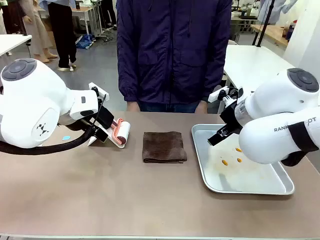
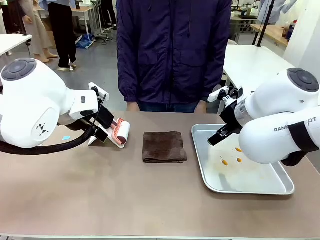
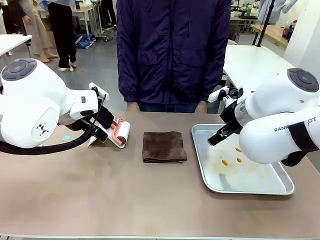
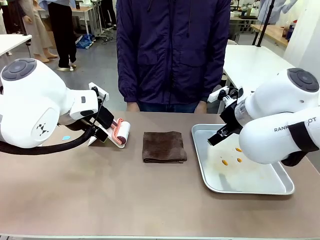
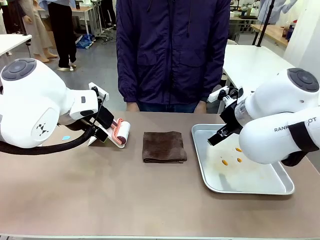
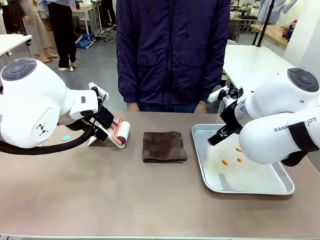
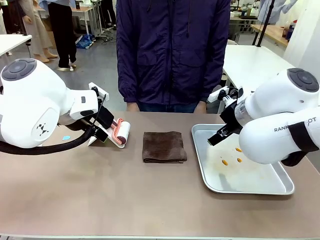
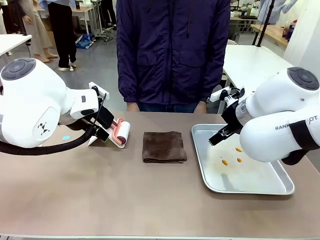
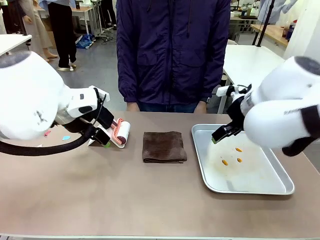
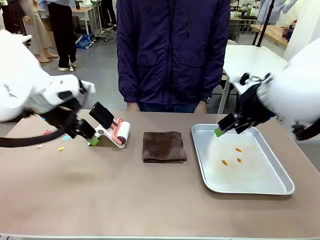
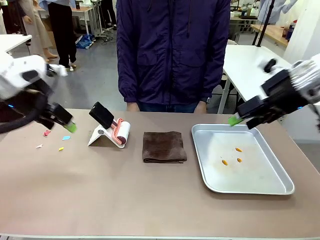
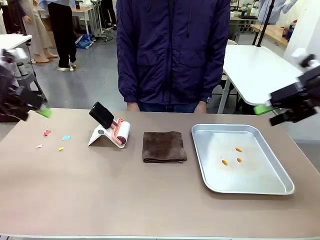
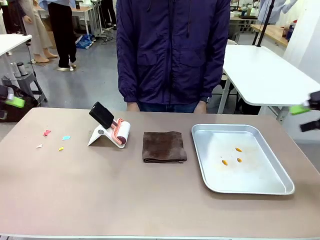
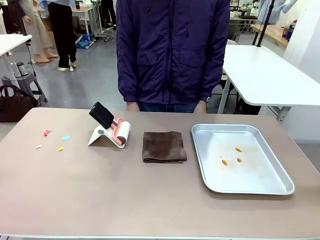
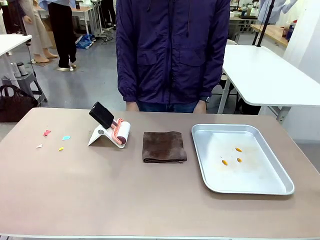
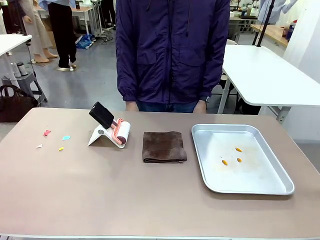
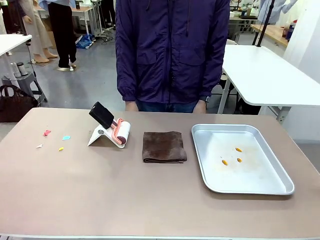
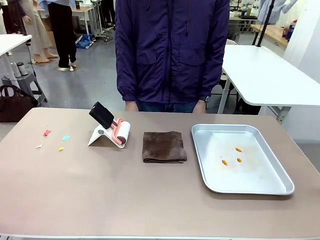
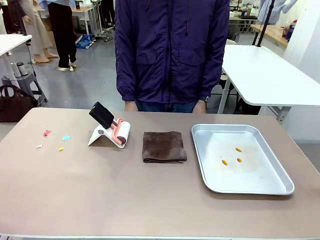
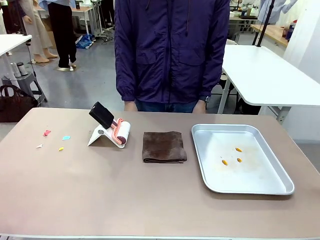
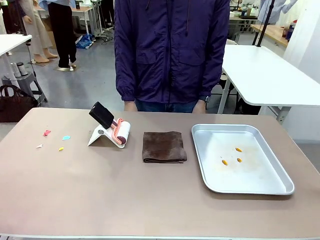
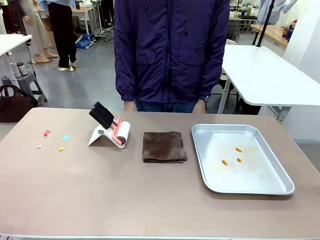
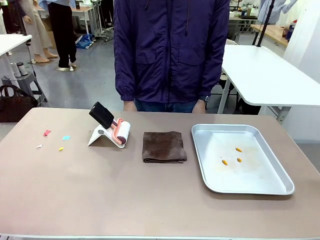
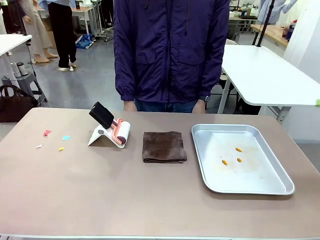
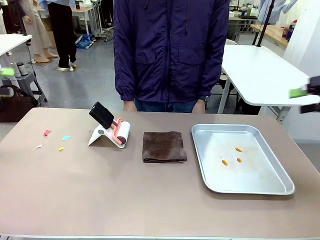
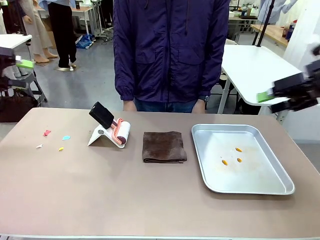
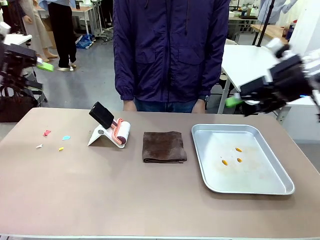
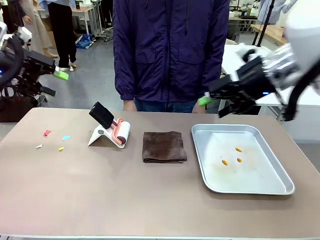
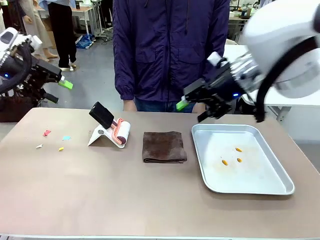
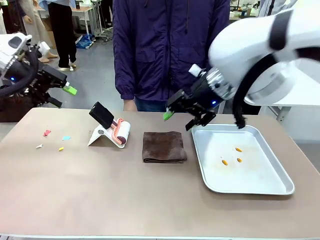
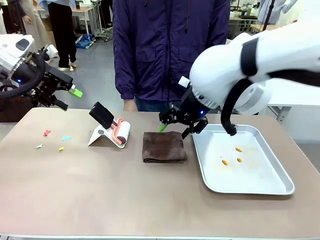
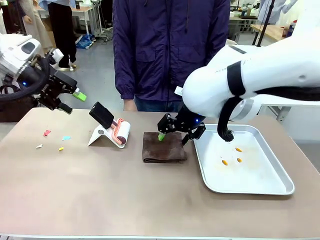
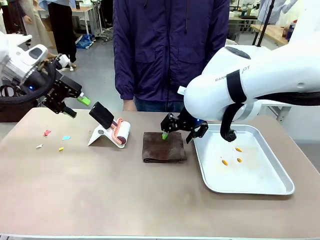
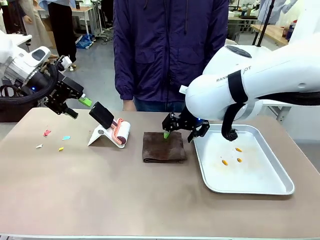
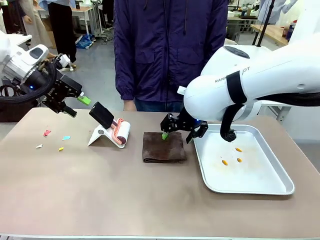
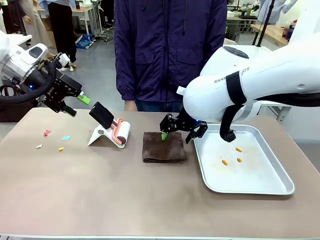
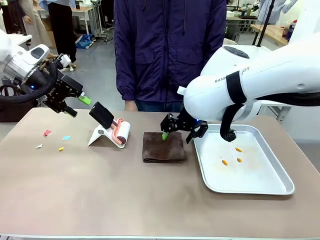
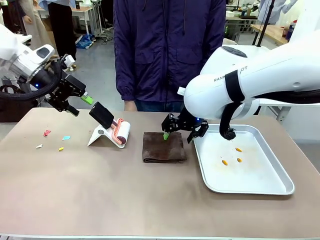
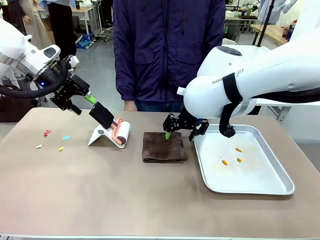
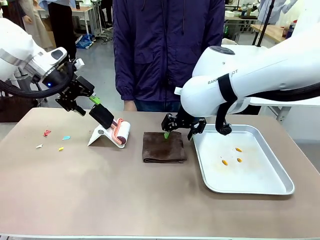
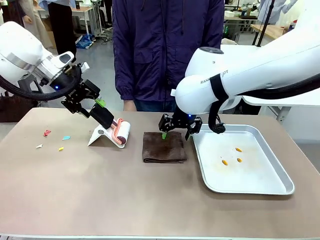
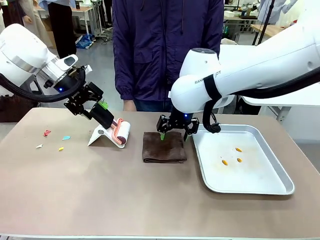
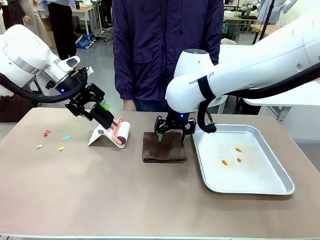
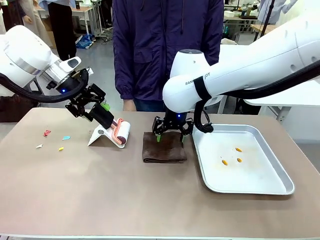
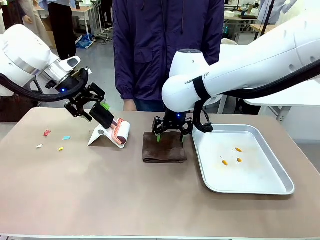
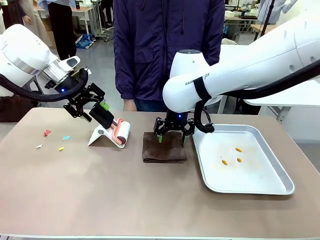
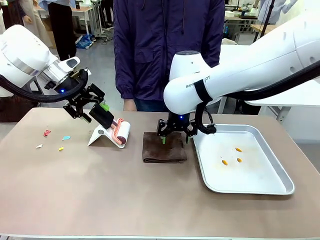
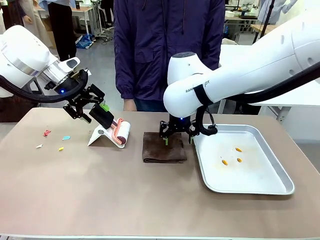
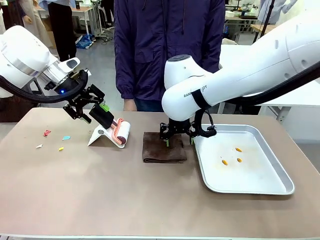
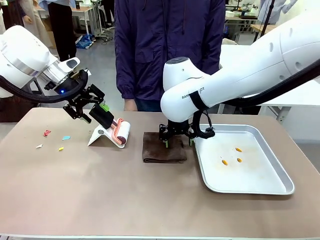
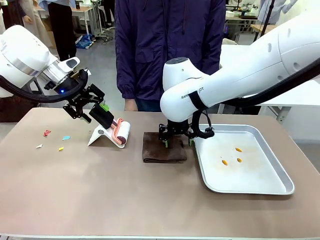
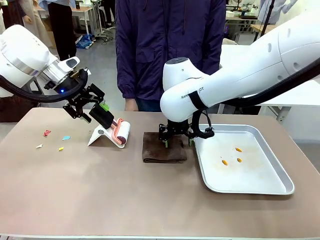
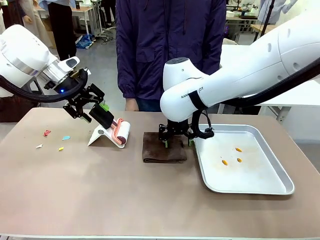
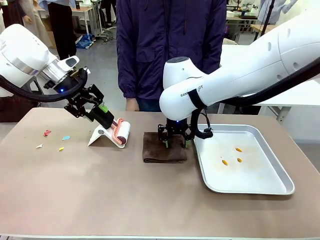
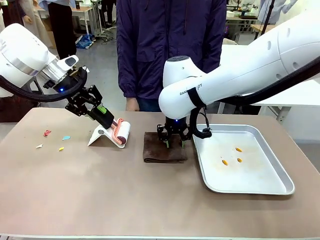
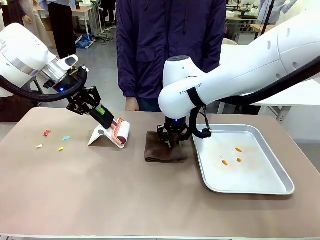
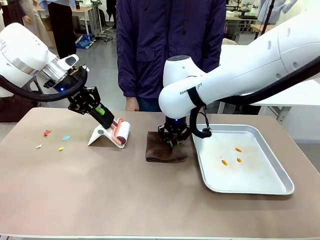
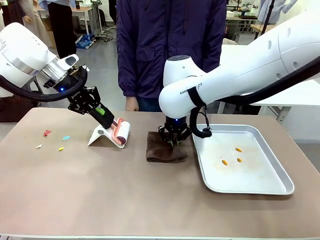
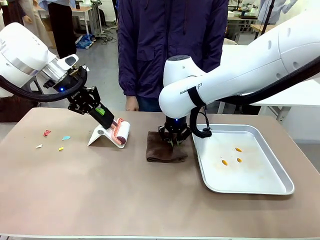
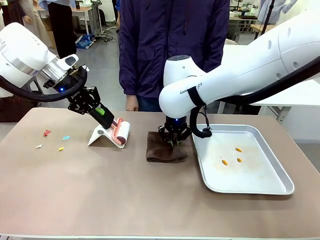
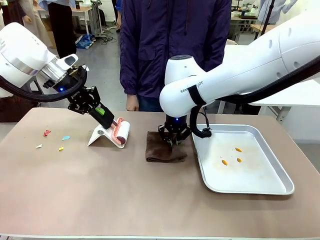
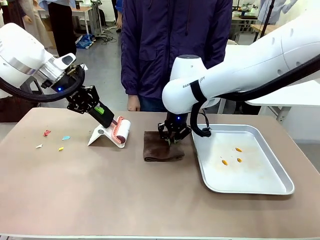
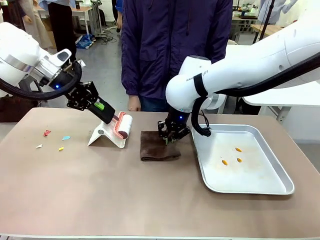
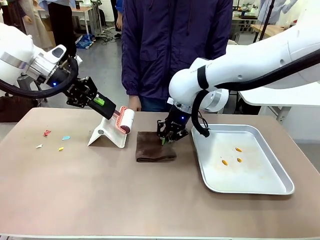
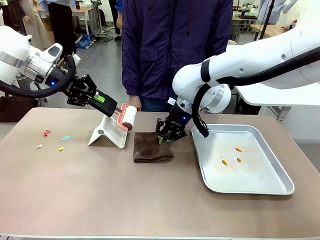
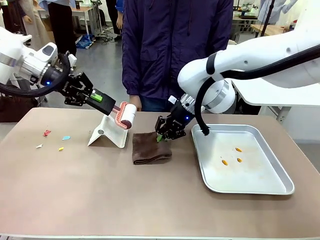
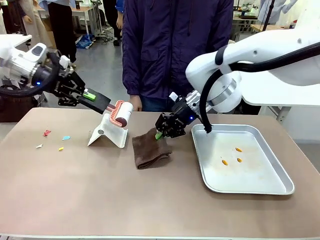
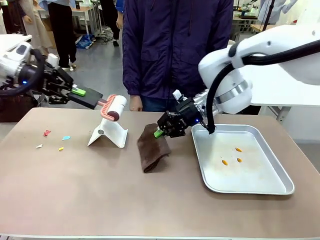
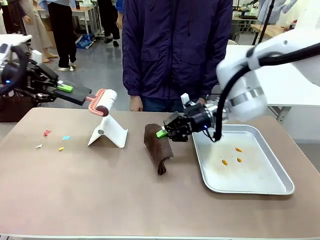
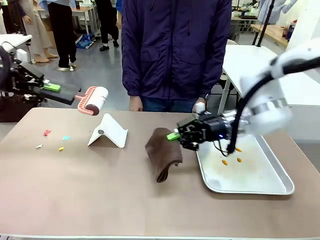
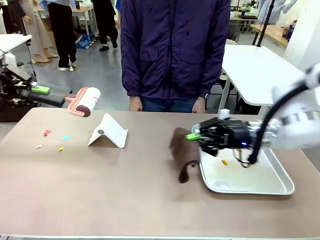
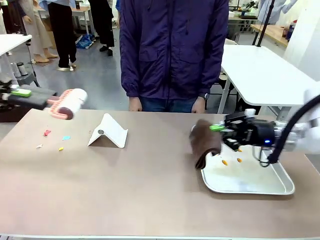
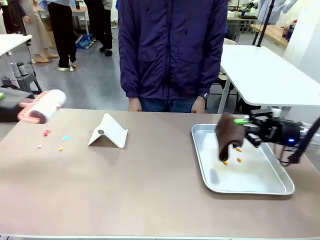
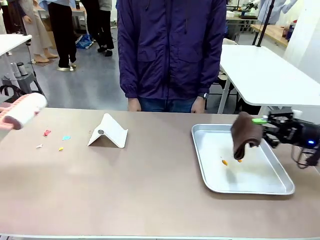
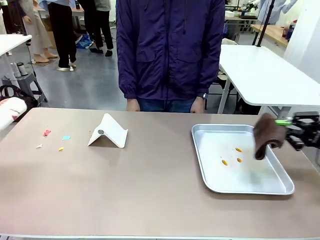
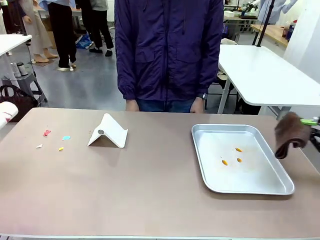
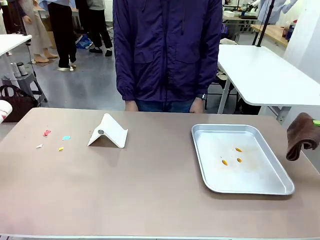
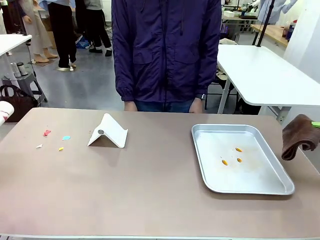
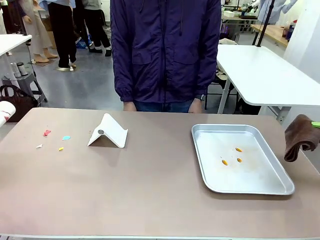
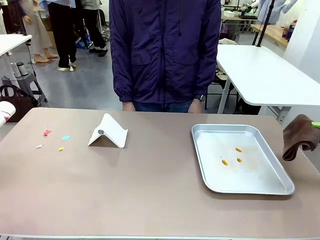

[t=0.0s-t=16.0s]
Task: Clean the surface of the table.
Robot: Hold the Lint Roller with your left hand and the towel with your right hand.
